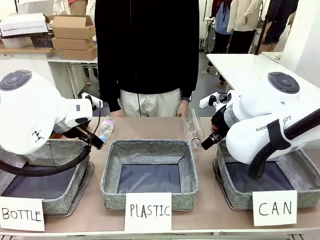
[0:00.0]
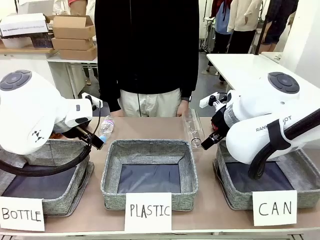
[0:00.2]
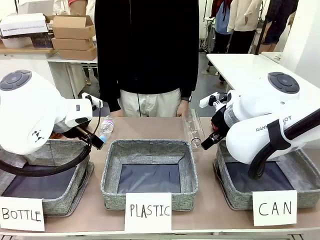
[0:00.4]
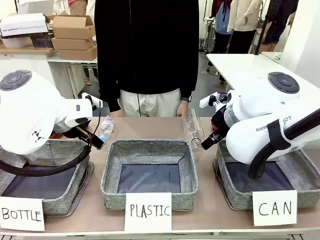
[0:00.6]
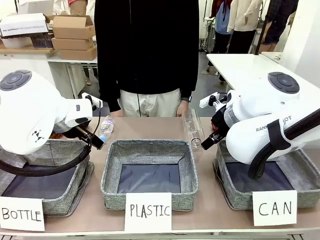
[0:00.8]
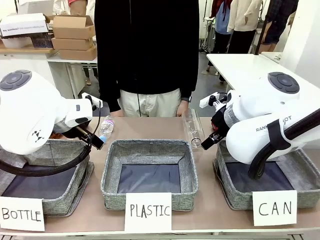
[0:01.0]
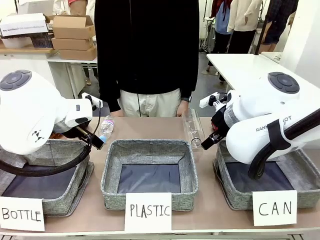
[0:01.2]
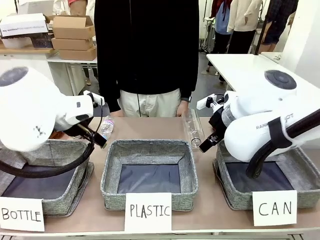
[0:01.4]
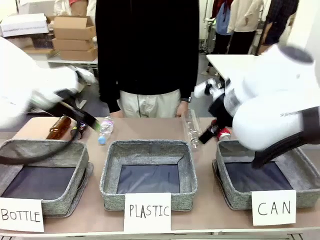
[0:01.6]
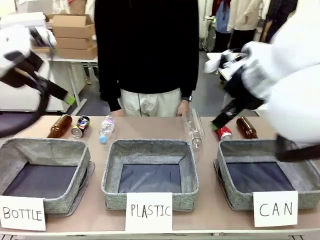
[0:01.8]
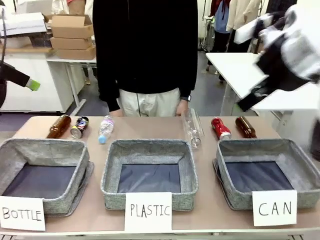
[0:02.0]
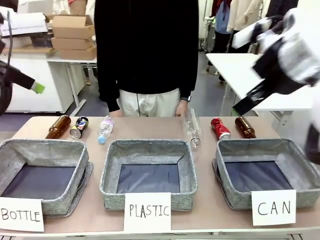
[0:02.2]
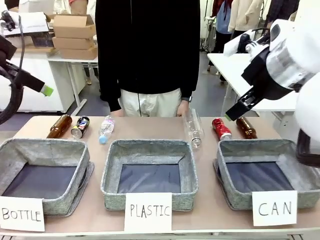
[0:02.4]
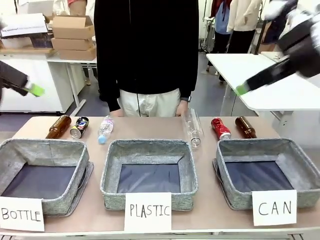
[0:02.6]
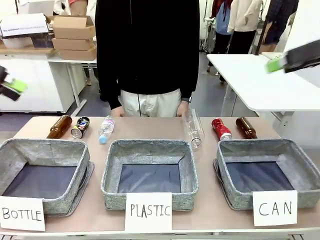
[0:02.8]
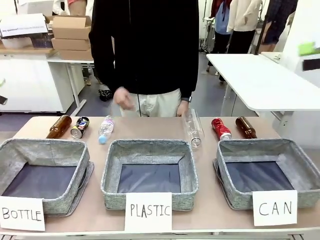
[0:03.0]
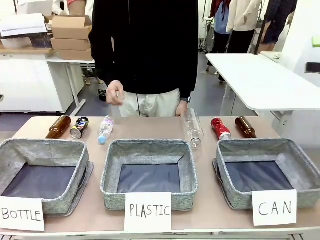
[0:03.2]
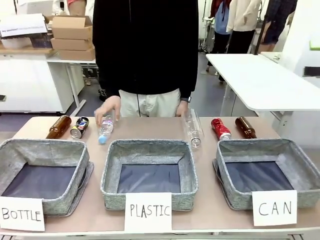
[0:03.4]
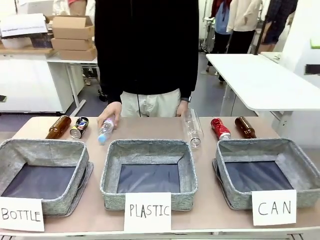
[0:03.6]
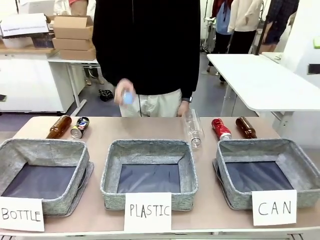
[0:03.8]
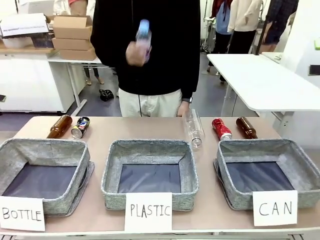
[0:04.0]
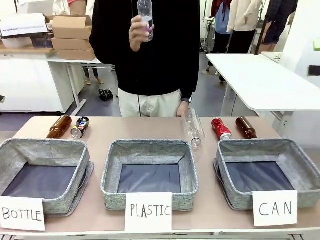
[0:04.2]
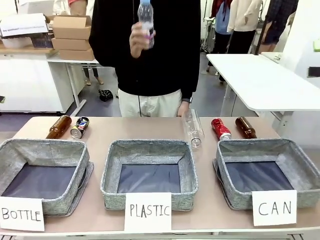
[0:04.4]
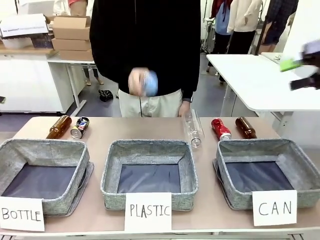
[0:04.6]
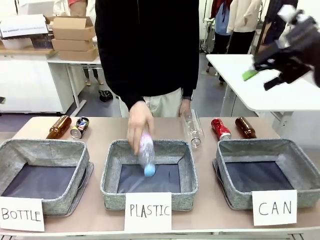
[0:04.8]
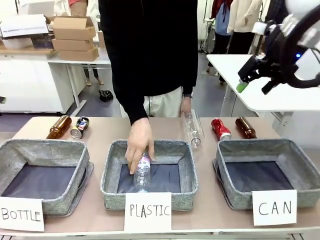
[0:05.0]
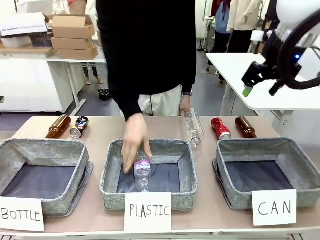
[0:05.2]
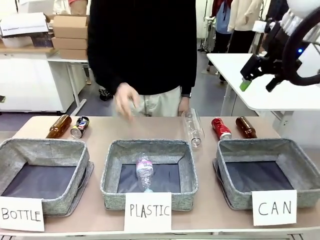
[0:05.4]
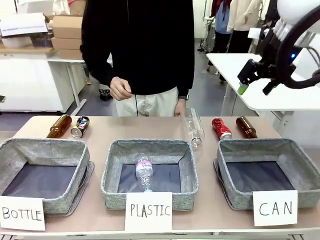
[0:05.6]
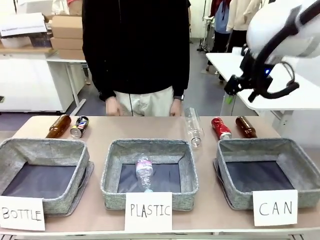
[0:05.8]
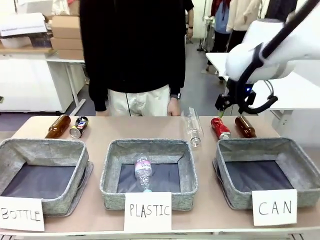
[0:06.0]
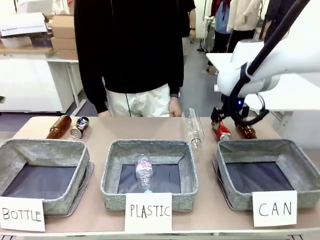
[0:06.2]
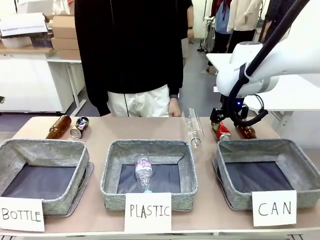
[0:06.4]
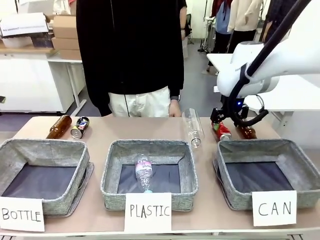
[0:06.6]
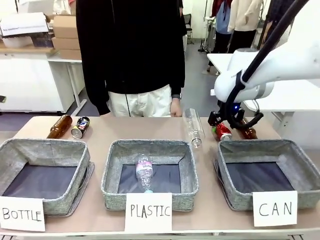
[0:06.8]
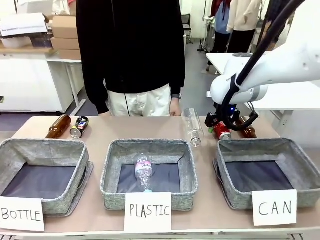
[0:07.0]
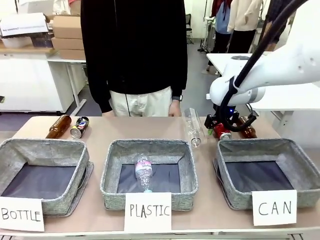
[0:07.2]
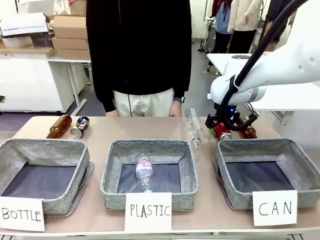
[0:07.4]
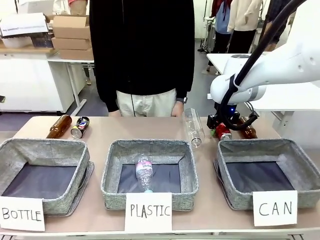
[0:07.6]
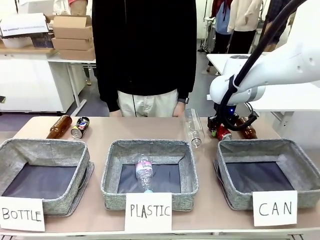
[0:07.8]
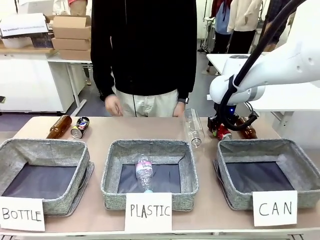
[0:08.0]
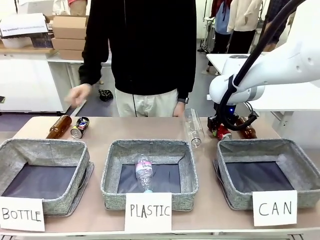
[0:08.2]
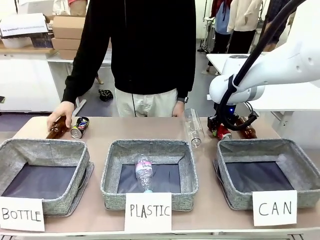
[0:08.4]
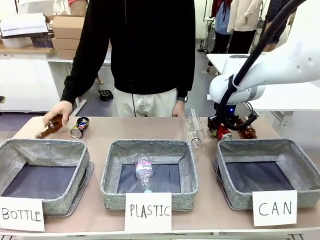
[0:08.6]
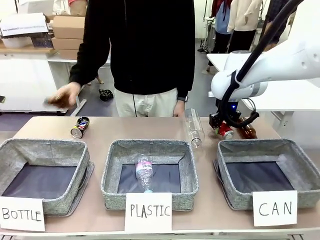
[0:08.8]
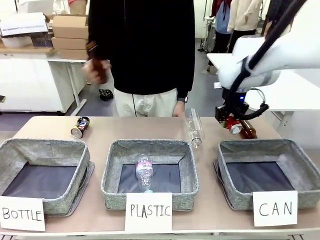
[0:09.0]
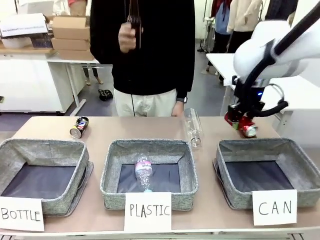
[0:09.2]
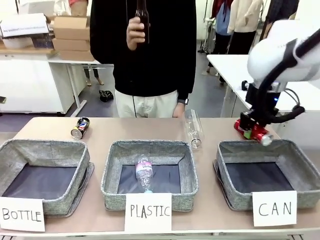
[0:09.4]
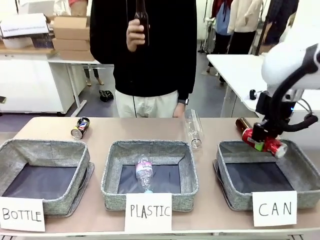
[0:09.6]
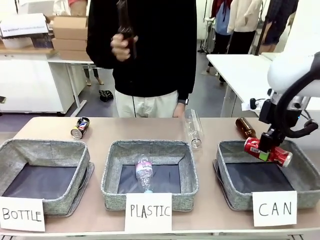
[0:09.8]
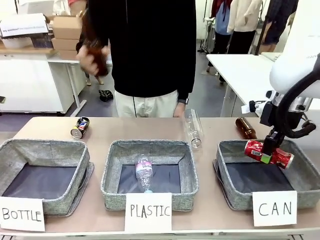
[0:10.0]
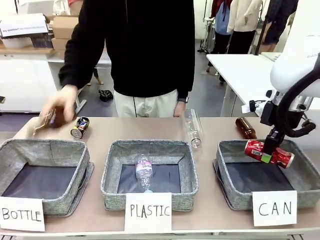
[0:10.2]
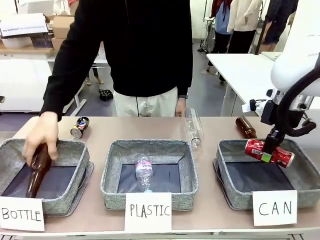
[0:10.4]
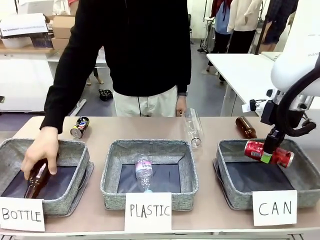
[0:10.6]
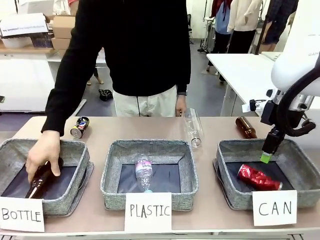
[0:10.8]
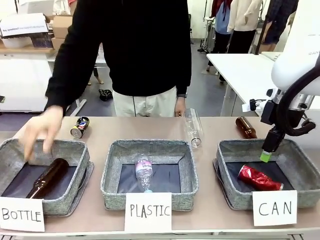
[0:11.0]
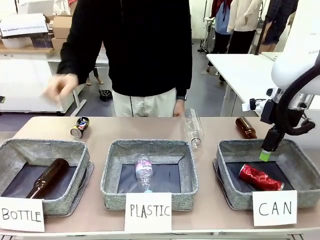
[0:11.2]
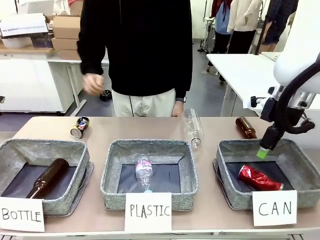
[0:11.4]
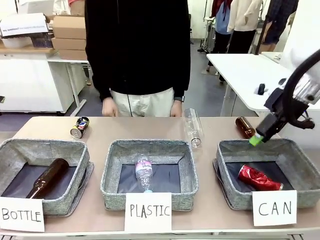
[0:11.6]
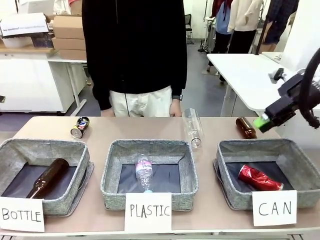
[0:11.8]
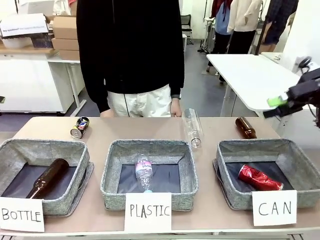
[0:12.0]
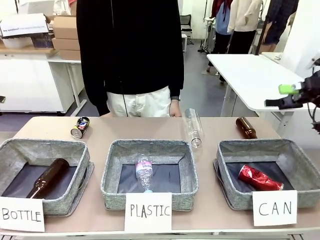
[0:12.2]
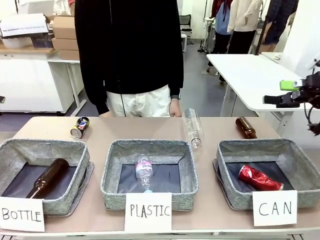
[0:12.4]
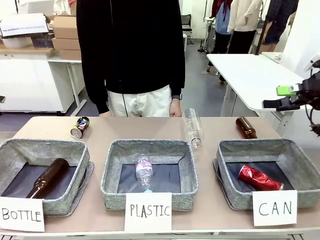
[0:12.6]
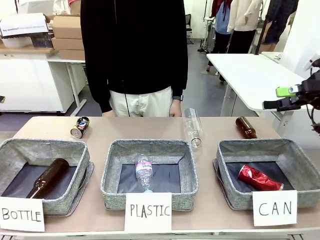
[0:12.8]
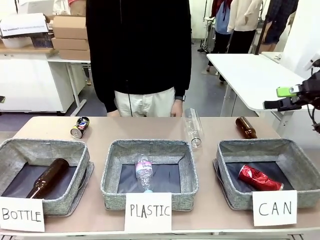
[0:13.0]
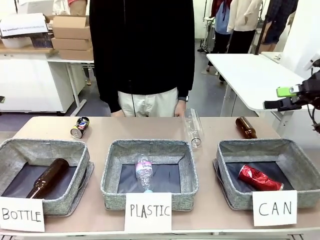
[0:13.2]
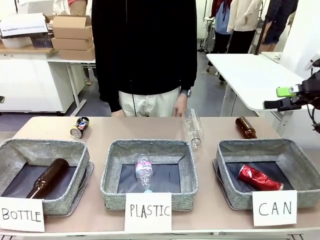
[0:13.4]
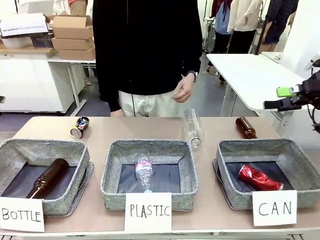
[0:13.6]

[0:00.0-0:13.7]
Task: Sort the can waste into the basket.
Robot: Pick up the can waste from the table and place it in the right Fabric basket.
